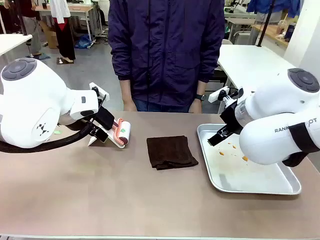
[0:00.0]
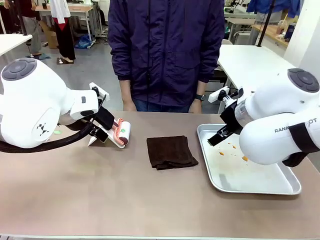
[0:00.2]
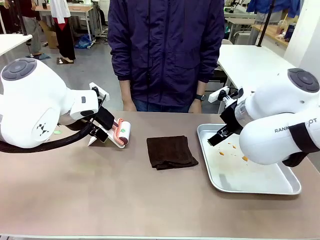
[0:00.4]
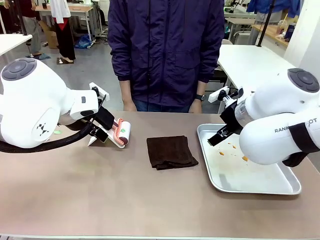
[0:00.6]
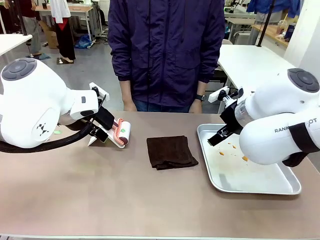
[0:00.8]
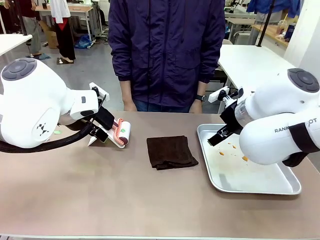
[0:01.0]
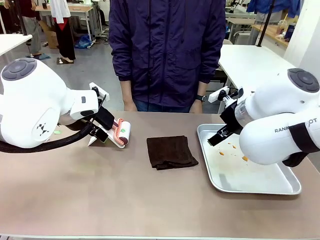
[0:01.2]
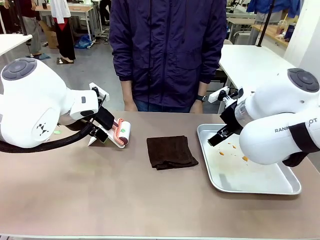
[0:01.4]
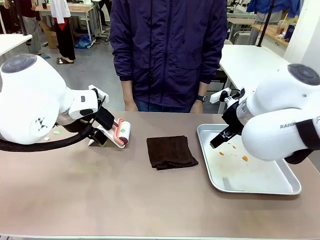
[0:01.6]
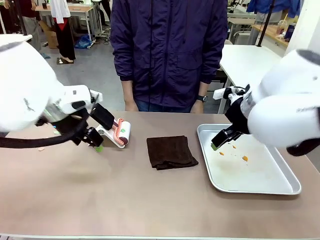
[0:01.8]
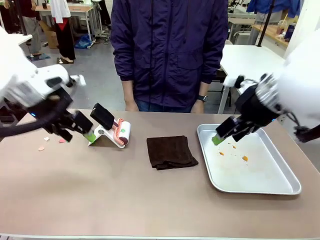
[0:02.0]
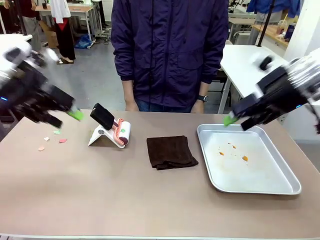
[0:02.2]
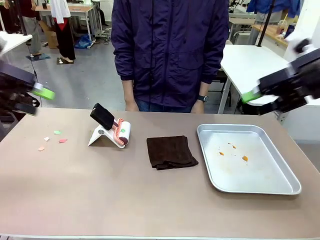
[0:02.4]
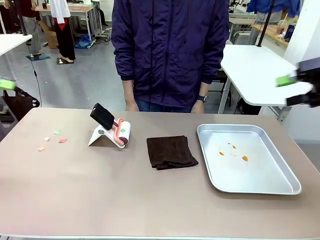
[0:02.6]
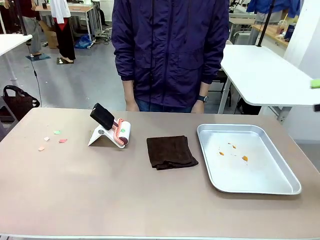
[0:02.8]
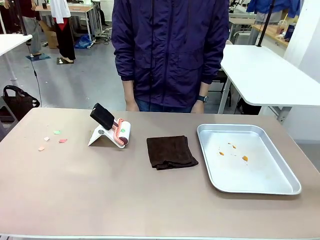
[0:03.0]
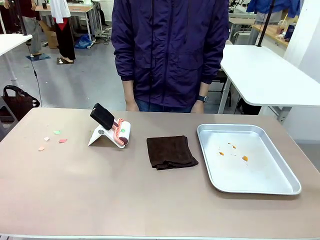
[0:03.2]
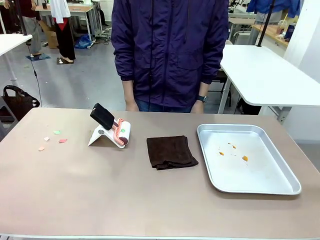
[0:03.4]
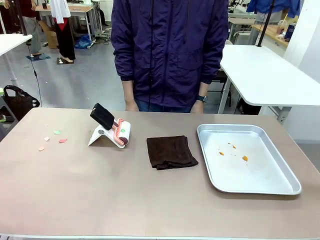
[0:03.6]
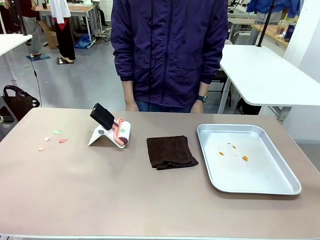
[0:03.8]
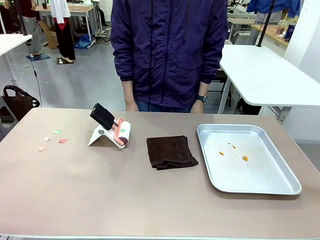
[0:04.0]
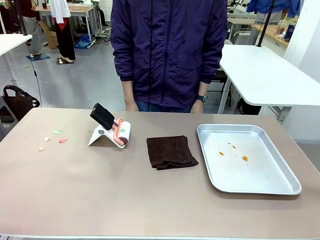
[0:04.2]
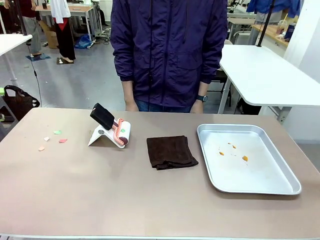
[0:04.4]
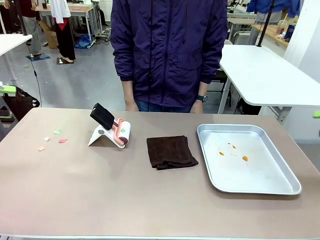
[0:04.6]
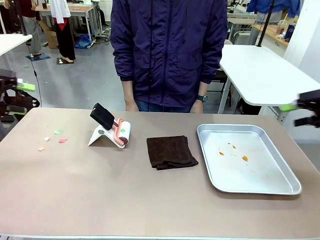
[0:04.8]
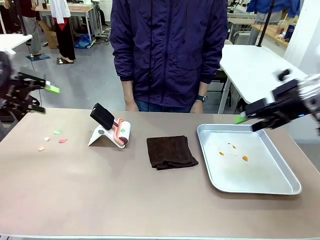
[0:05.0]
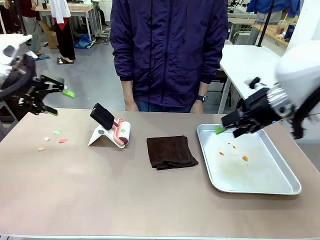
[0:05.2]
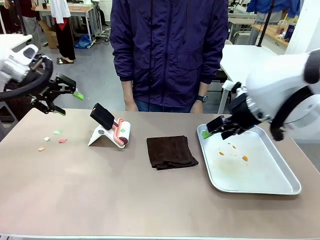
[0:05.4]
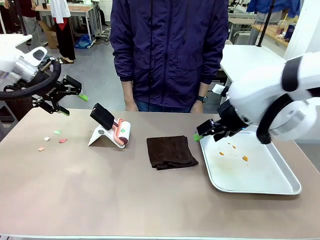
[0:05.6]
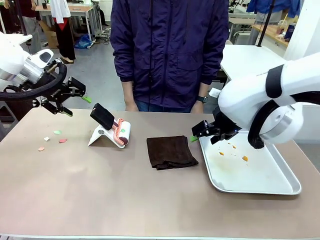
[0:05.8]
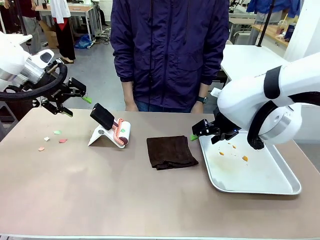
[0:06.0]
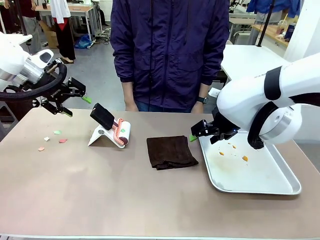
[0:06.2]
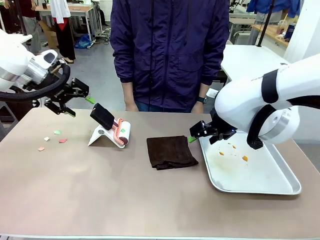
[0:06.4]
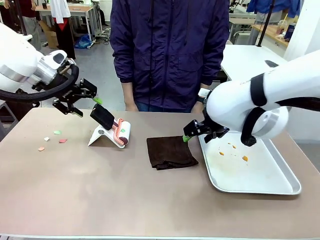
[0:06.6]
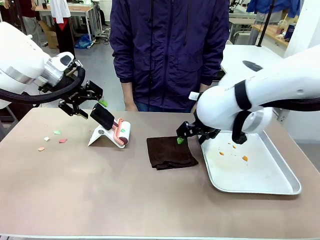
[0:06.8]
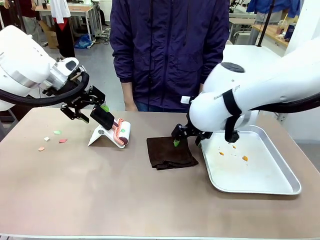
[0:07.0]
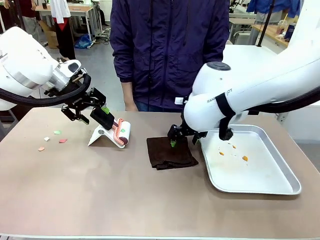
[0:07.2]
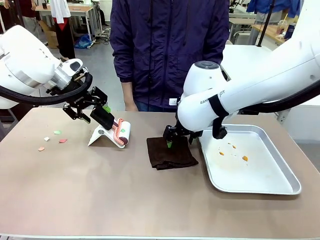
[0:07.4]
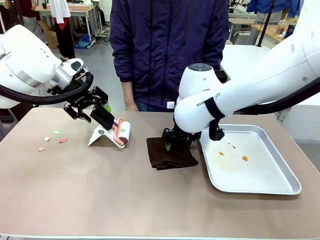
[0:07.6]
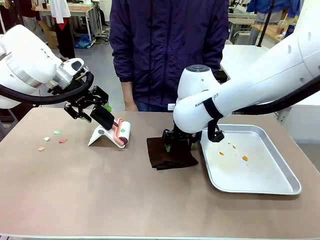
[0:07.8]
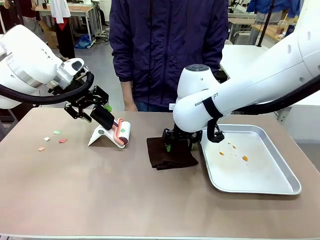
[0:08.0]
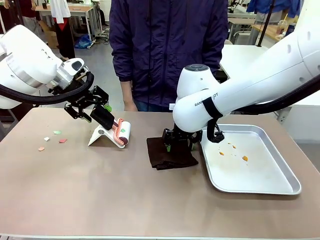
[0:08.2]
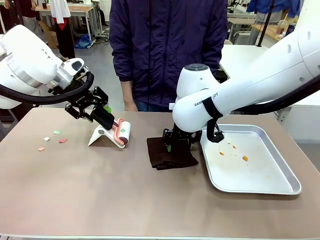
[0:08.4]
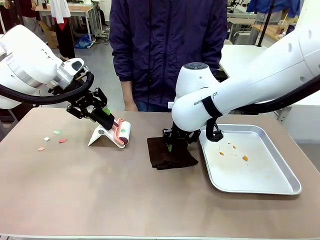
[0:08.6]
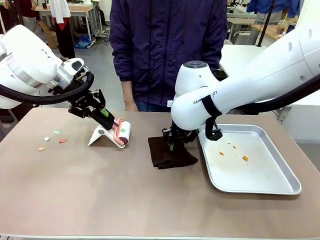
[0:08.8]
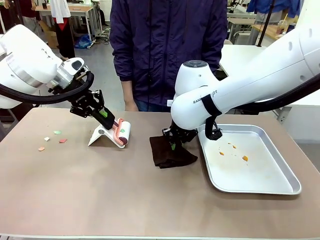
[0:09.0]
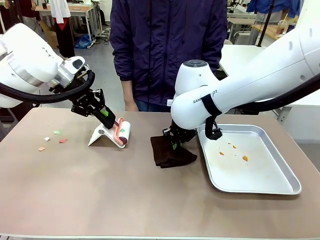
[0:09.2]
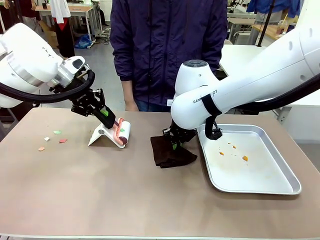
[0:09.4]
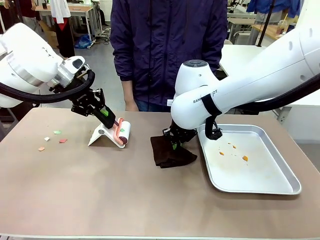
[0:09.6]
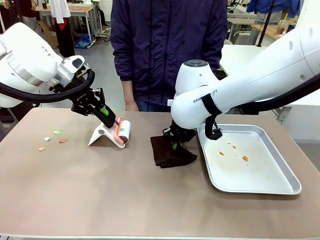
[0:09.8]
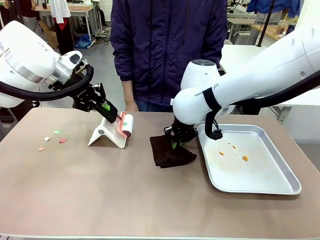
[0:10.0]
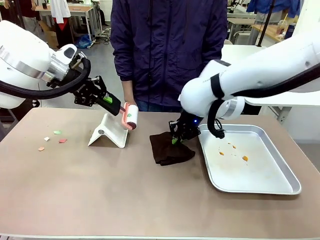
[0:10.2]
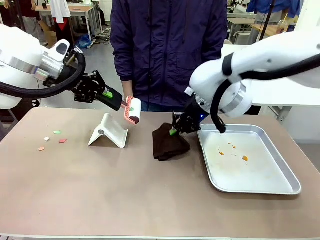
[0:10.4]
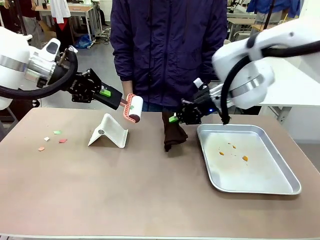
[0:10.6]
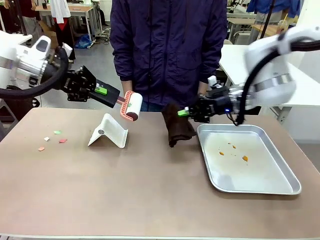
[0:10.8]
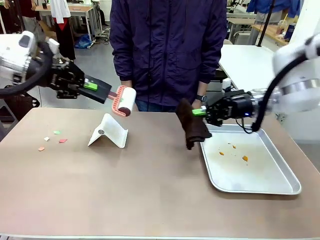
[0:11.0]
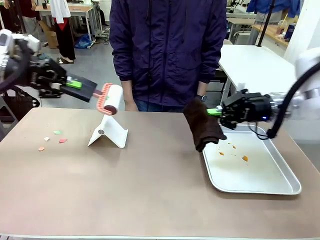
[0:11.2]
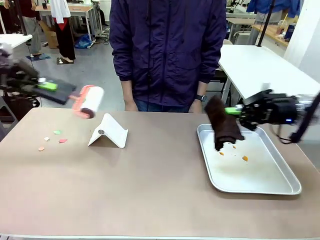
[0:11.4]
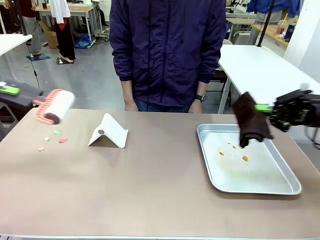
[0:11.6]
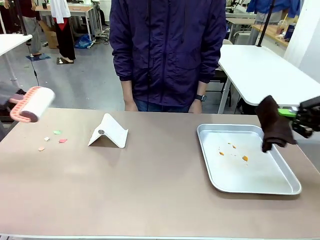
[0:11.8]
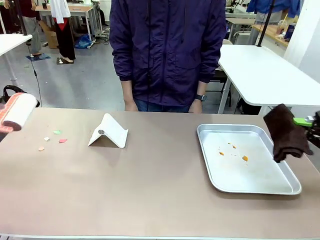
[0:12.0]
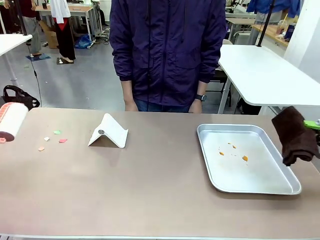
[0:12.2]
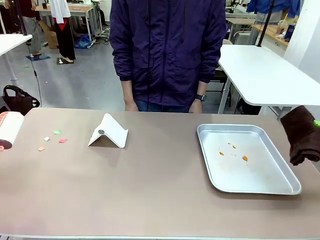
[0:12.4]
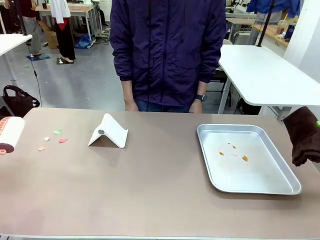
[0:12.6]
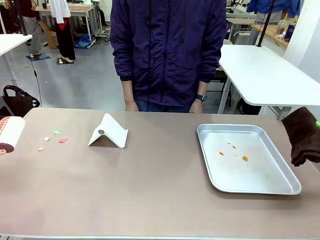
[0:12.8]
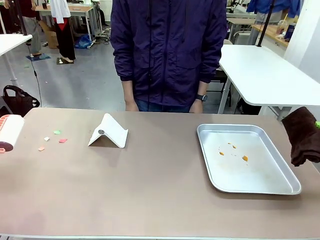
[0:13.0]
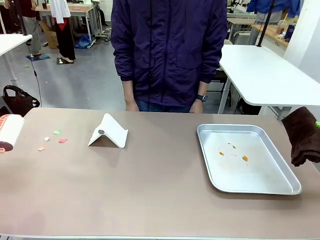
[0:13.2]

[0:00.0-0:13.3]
Task: Clean the surface of the table.
Robot: Hold the Lint Roller with your left hand and the towel with your right hand.

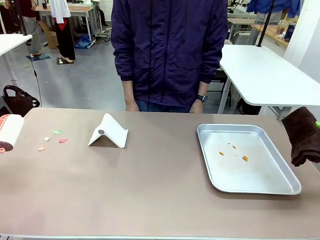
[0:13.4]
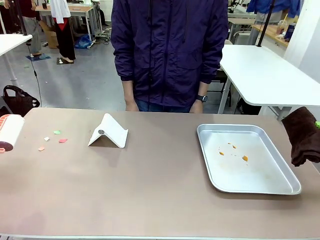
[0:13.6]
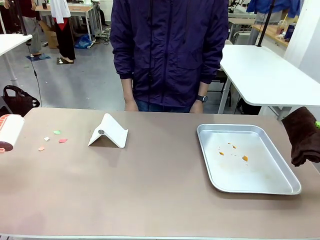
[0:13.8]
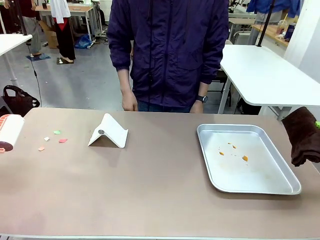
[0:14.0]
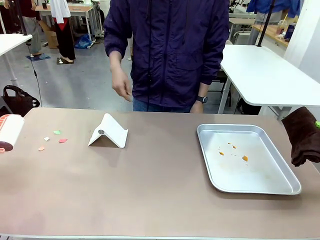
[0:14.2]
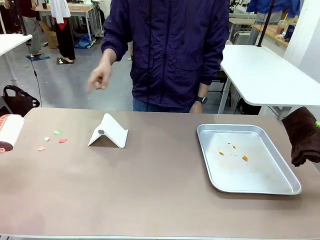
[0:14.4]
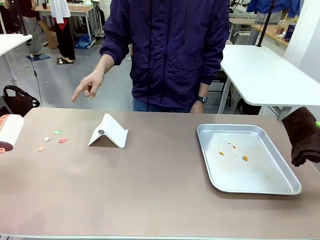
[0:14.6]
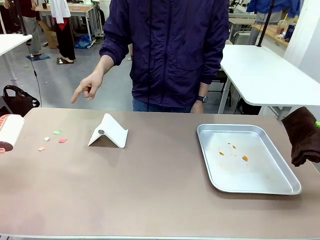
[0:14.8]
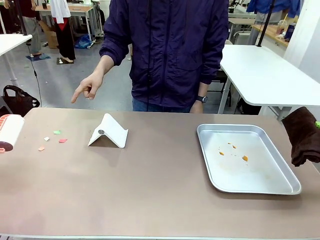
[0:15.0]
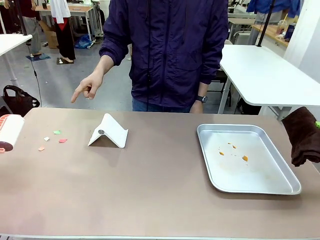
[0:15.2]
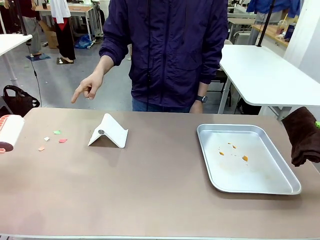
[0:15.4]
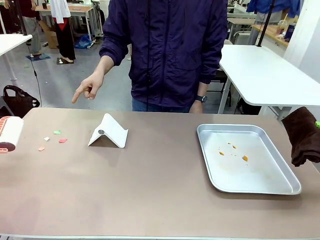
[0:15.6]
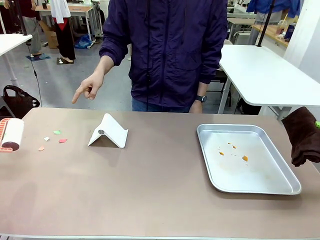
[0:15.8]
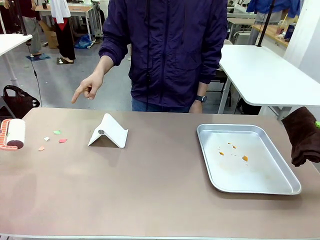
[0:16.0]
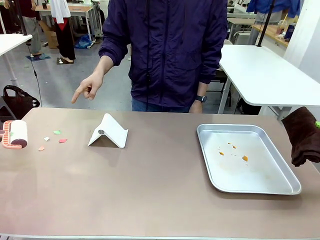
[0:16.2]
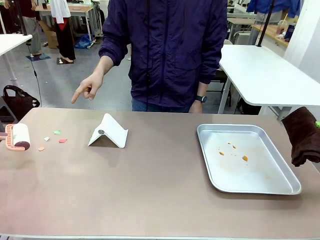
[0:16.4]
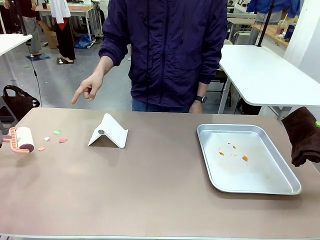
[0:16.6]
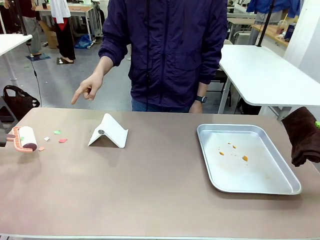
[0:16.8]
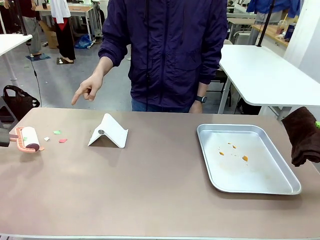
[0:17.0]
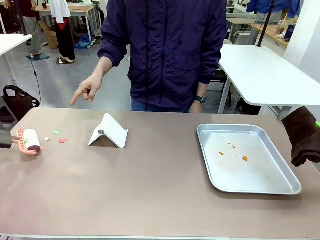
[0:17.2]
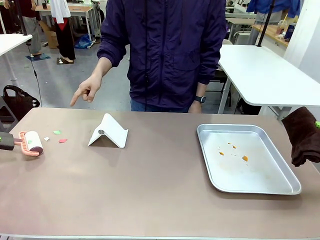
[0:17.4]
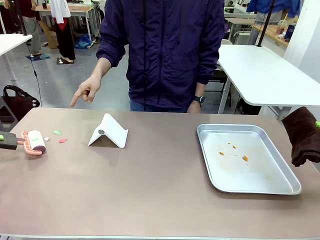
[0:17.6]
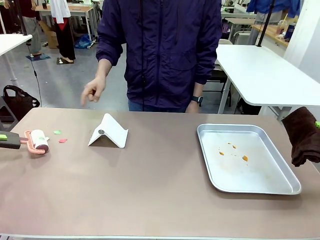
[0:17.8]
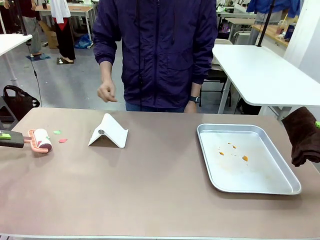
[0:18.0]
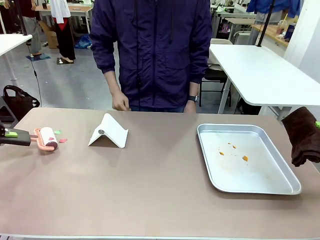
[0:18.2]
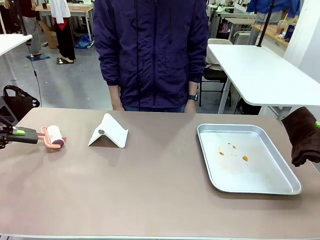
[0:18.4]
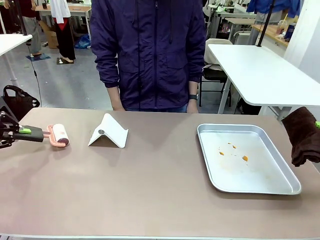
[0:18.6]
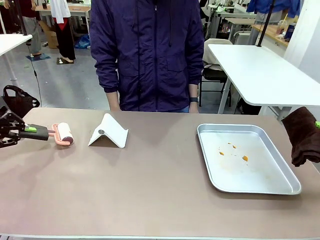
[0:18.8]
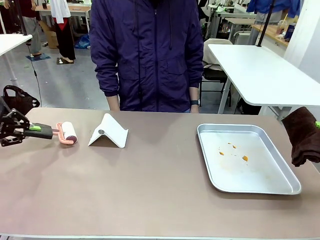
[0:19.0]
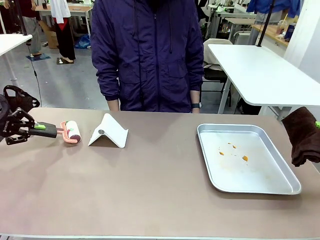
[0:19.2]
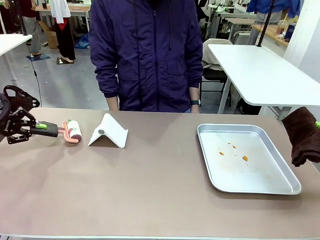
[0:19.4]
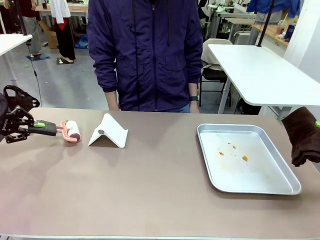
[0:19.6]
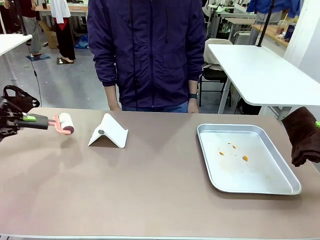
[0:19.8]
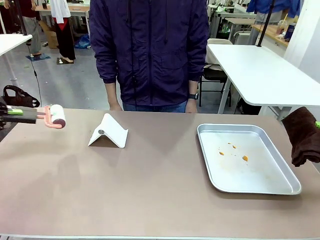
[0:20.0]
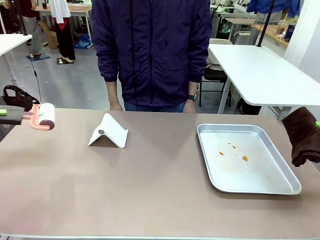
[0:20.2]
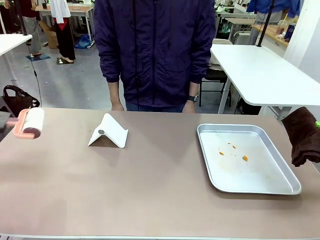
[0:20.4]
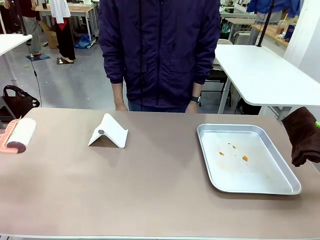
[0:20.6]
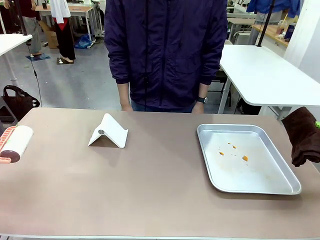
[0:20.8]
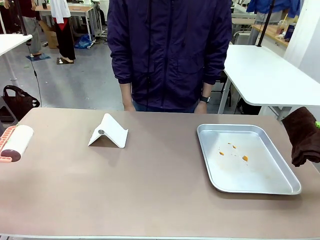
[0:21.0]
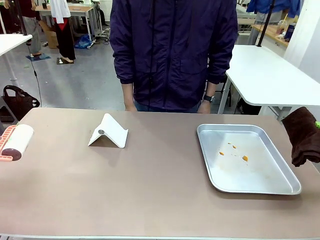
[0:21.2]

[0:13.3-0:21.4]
Robot: If a person points to the right, clean the right side of the table with your right hand, and if they point to the left, clean the left side with your left hand.
